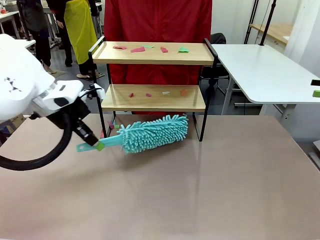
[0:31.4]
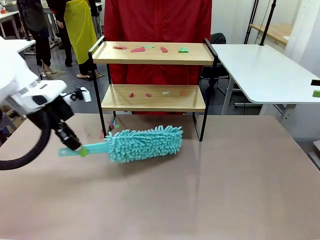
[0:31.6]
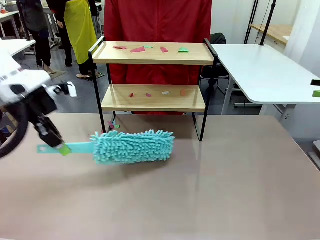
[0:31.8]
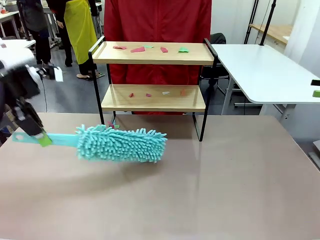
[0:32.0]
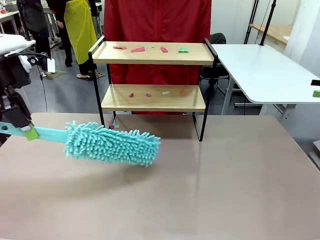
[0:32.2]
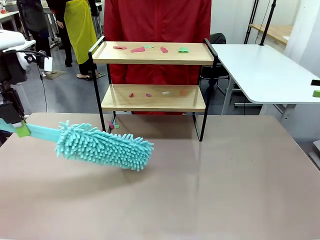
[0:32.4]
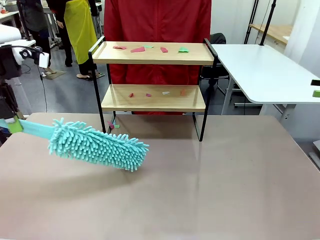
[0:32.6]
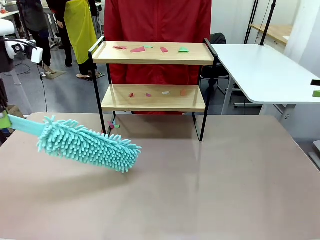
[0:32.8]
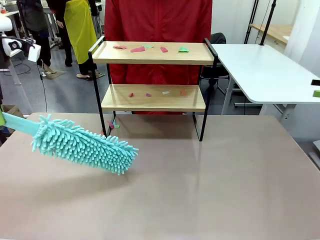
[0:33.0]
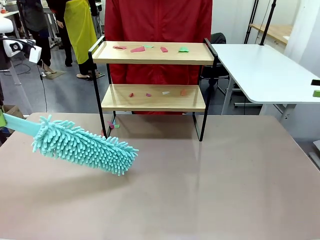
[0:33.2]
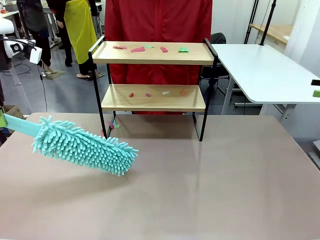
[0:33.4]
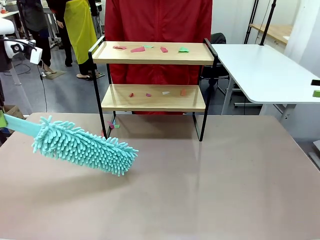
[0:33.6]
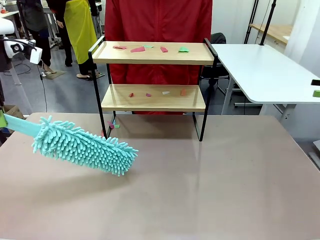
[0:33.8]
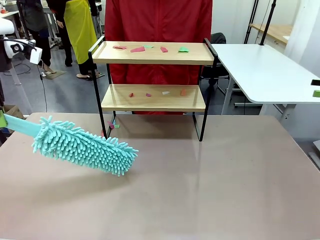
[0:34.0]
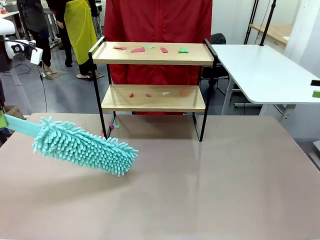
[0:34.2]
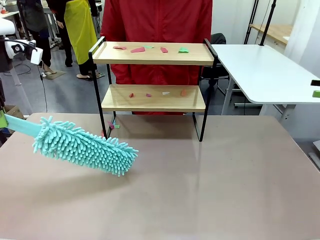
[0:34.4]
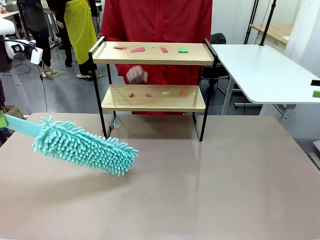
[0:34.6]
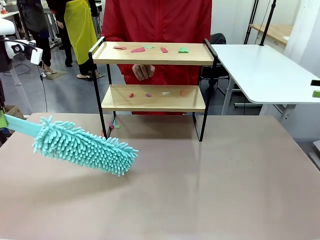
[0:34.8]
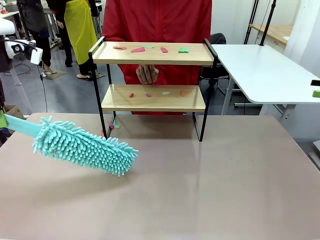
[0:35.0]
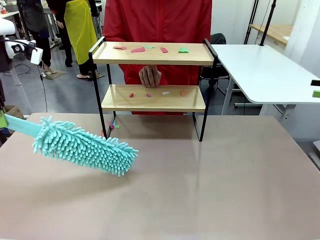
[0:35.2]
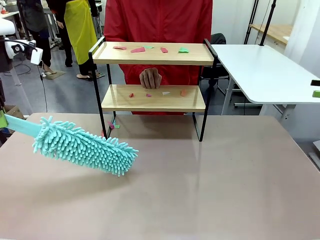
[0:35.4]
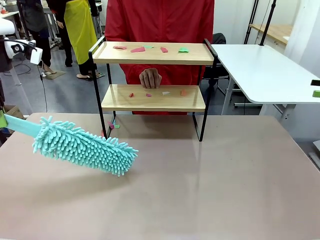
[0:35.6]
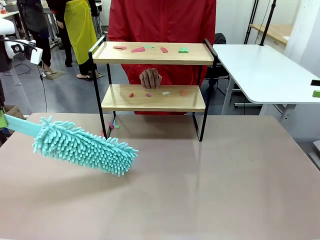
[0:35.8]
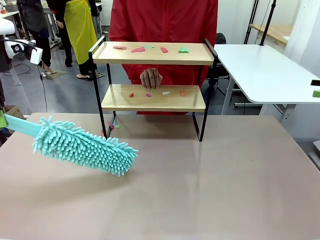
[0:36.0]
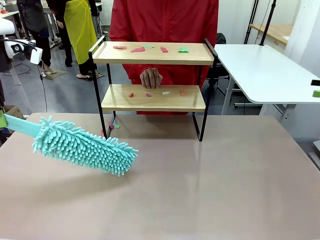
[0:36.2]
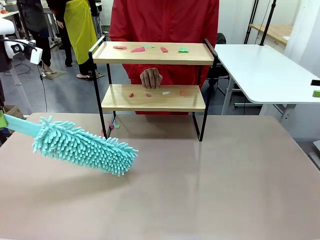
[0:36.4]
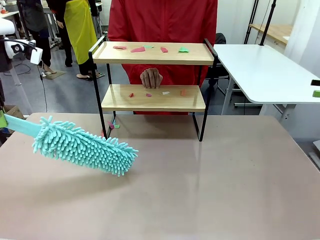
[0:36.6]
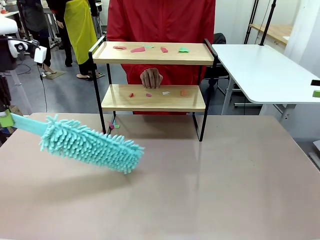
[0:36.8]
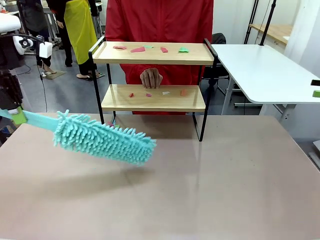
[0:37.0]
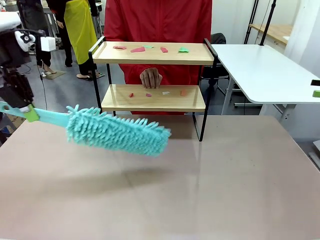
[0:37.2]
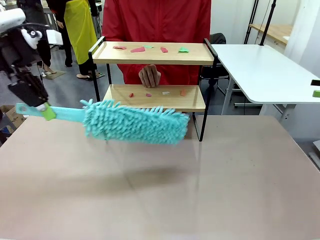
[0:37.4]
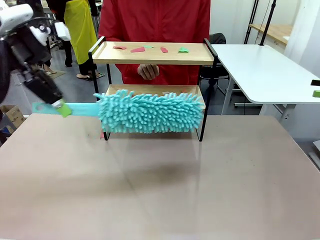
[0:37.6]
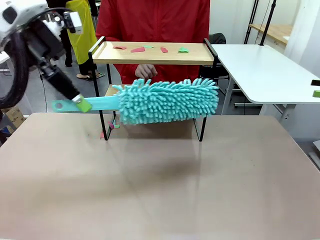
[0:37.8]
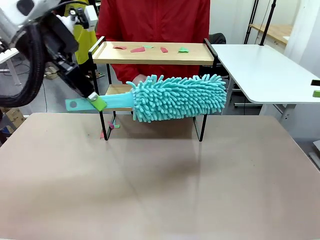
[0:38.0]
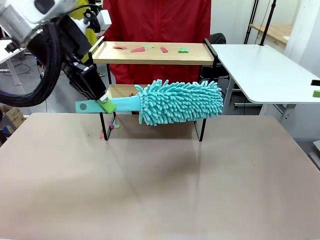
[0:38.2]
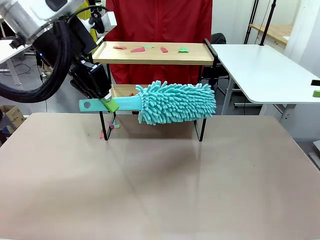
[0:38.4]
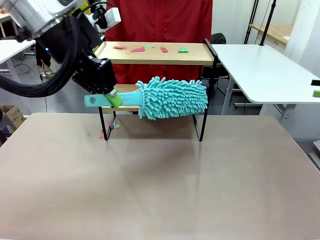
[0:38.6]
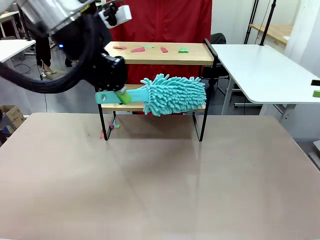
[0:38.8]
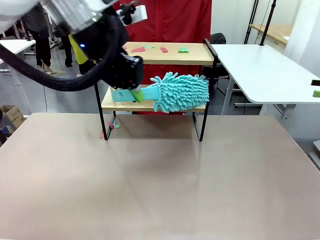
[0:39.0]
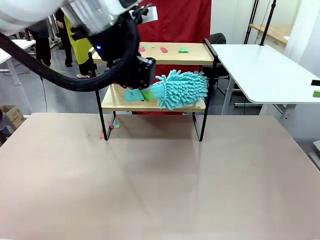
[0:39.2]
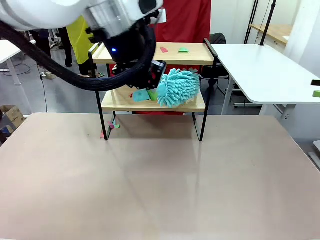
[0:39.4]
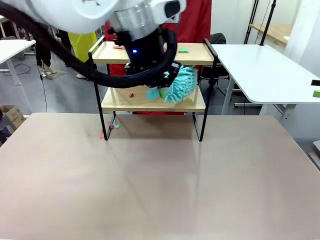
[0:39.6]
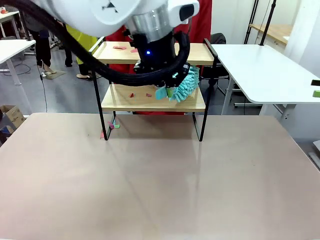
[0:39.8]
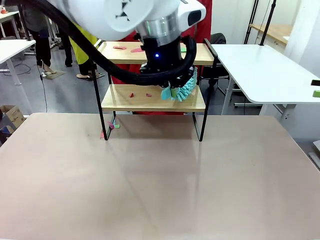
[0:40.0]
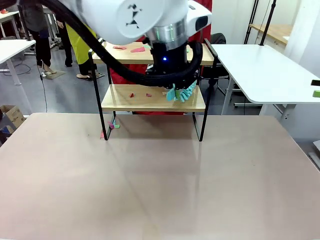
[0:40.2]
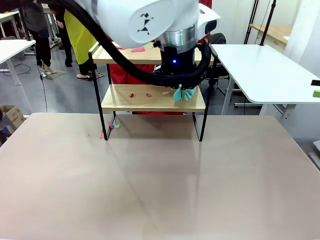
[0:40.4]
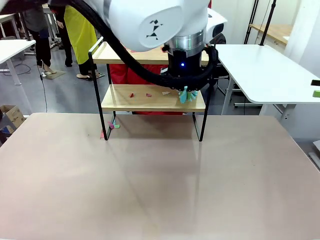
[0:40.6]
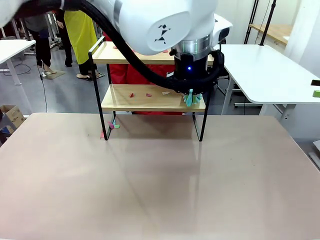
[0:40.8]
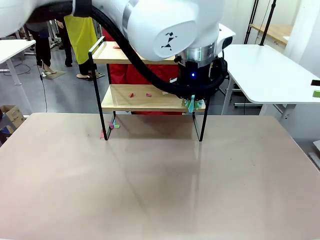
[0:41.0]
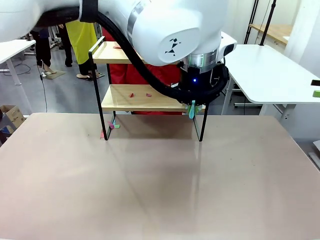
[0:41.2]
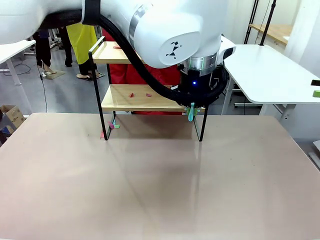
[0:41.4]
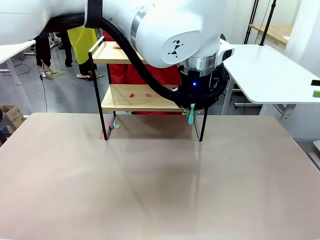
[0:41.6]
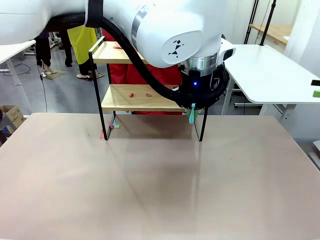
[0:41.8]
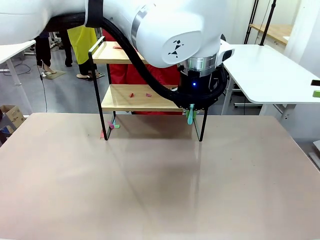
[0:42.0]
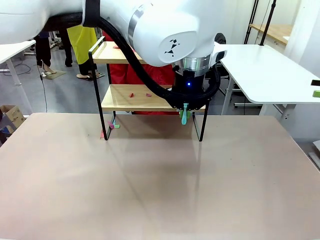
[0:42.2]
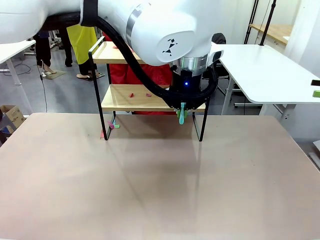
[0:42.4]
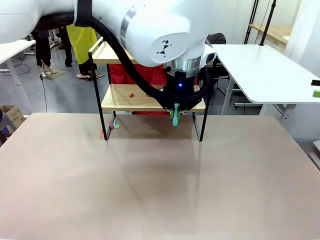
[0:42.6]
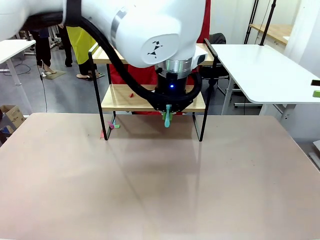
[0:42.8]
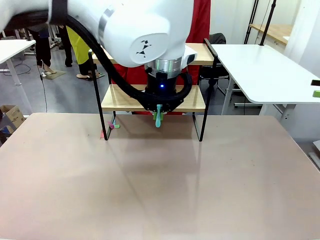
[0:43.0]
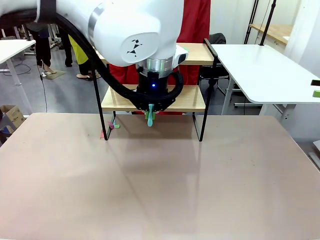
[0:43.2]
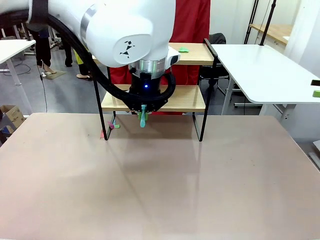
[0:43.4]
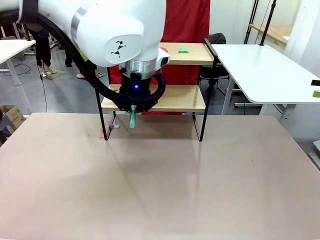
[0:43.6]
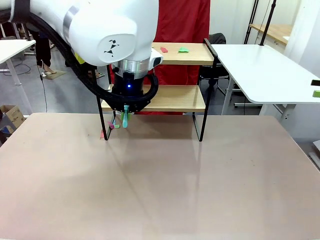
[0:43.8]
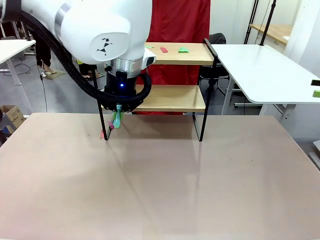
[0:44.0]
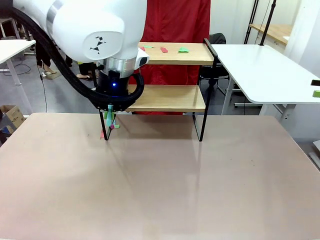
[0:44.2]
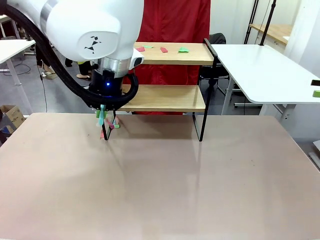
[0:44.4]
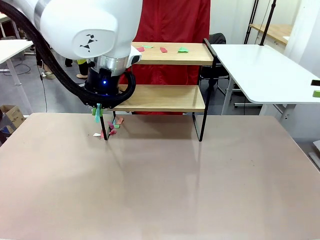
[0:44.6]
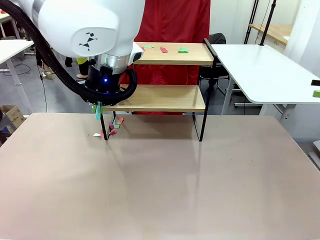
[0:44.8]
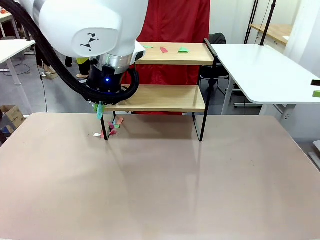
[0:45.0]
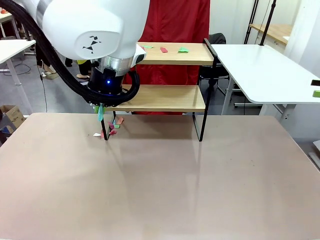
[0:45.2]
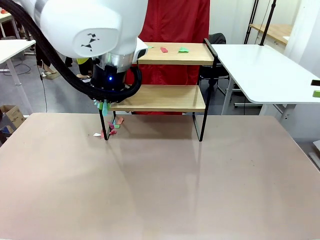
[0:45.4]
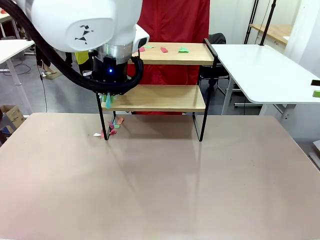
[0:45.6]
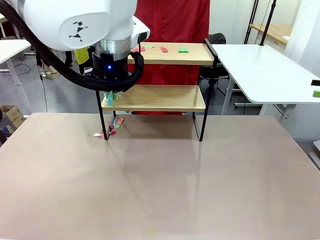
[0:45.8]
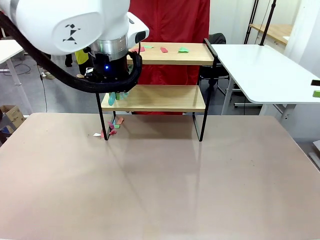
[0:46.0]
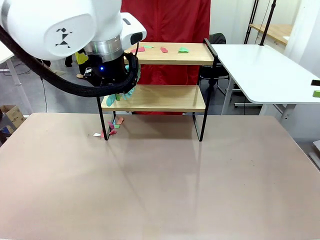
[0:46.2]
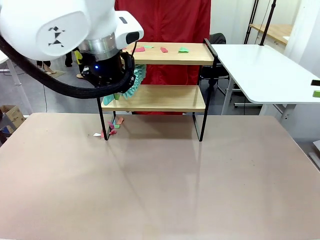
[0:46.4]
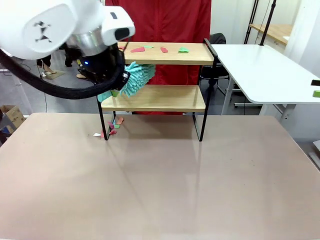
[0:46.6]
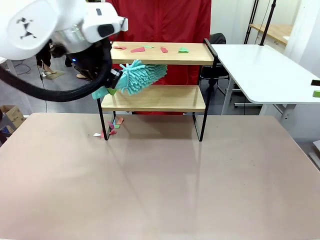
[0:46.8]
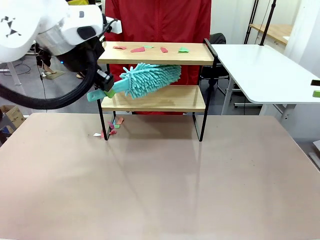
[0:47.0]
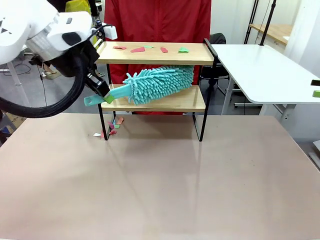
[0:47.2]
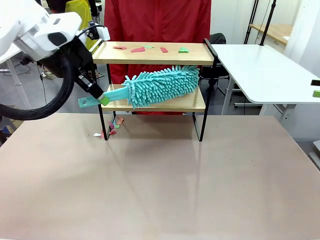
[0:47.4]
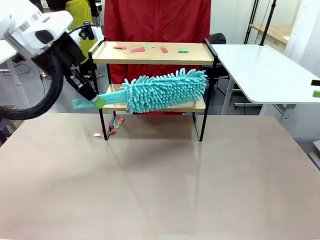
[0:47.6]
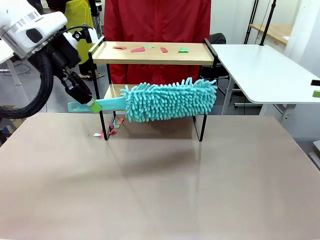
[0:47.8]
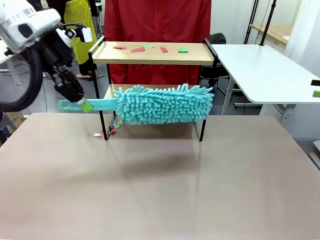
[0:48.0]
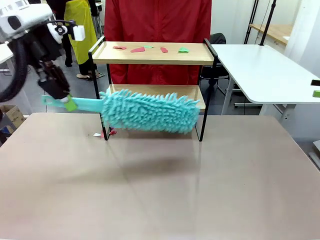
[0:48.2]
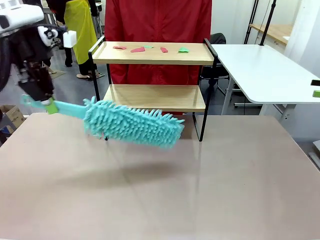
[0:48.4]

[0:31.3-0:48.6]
Task: Clean the shelf.
Robot: Clean the specific section of the Shelf indicated by the human with the Duster.
Person: Point a remaining section of the Shelf.
